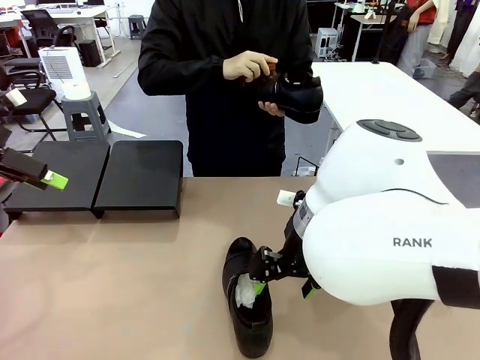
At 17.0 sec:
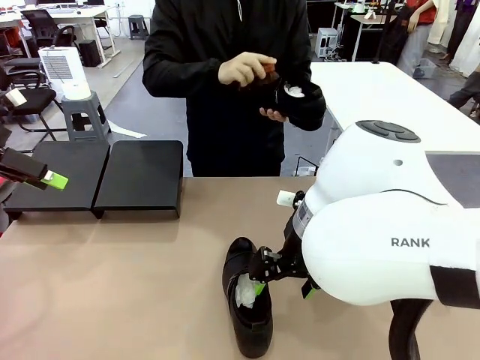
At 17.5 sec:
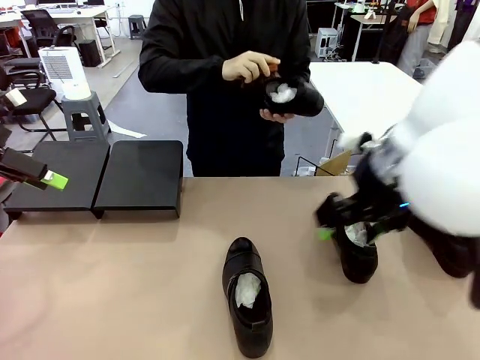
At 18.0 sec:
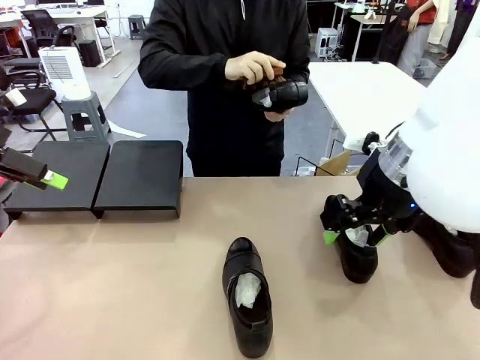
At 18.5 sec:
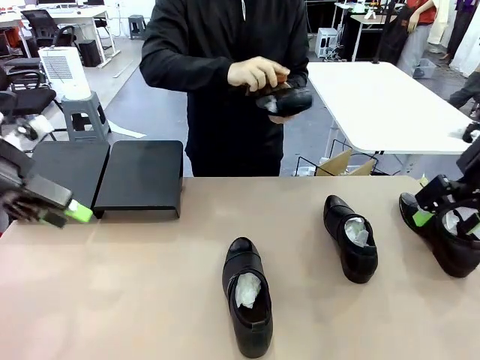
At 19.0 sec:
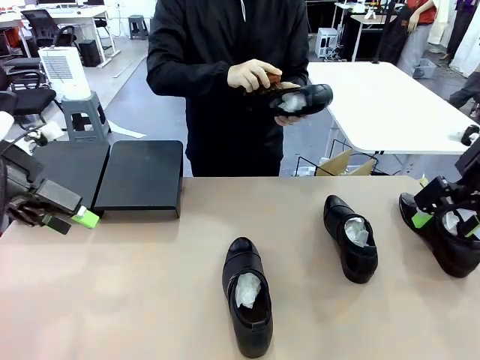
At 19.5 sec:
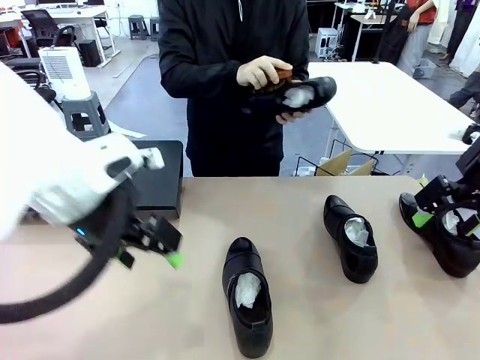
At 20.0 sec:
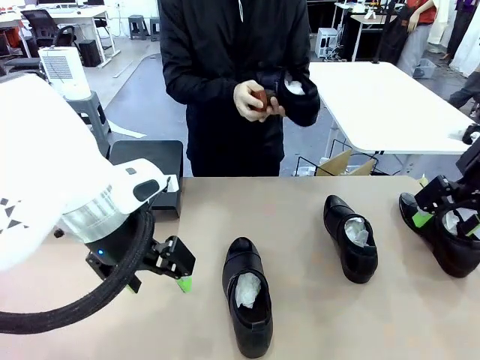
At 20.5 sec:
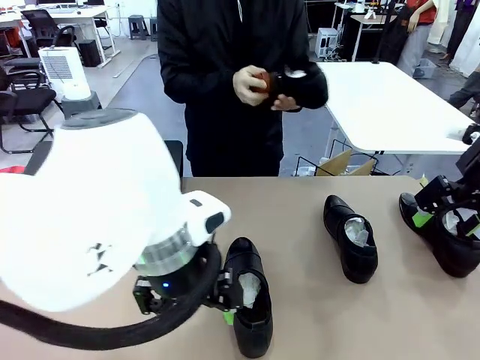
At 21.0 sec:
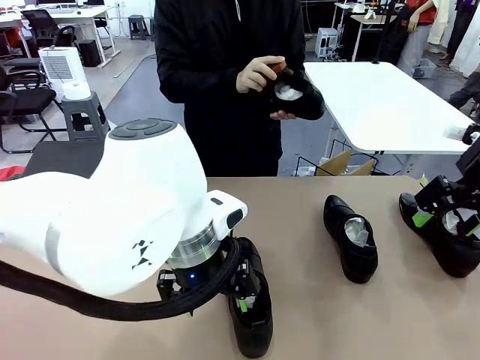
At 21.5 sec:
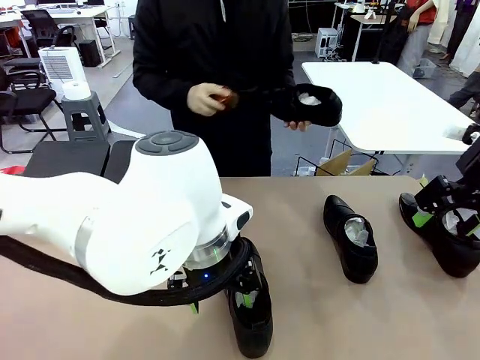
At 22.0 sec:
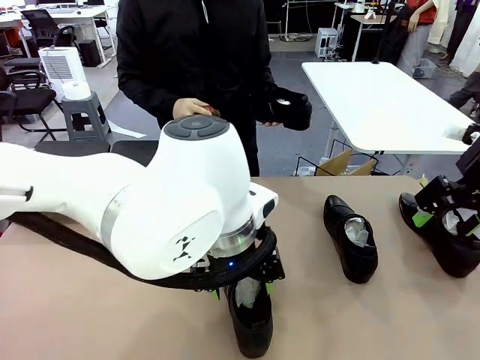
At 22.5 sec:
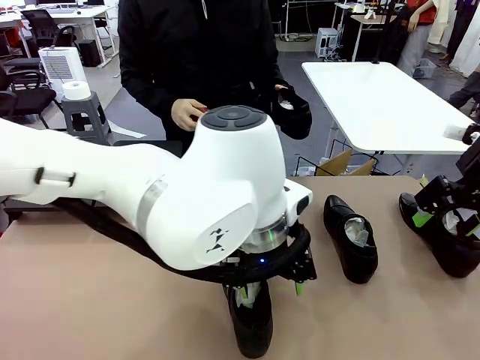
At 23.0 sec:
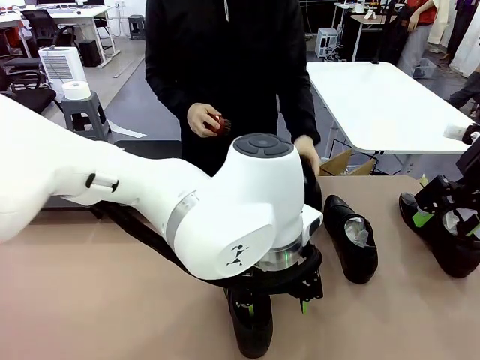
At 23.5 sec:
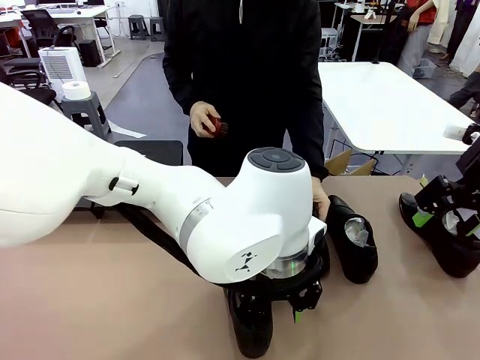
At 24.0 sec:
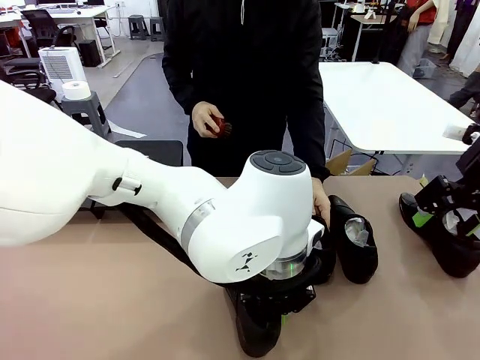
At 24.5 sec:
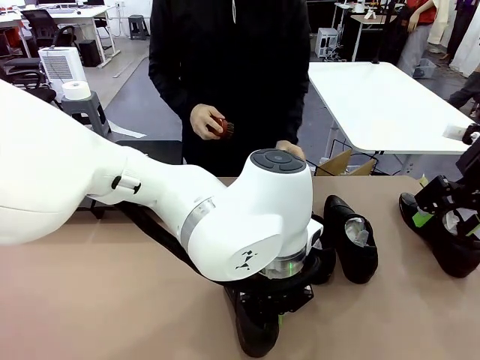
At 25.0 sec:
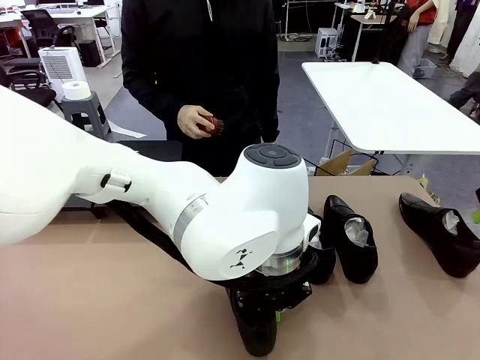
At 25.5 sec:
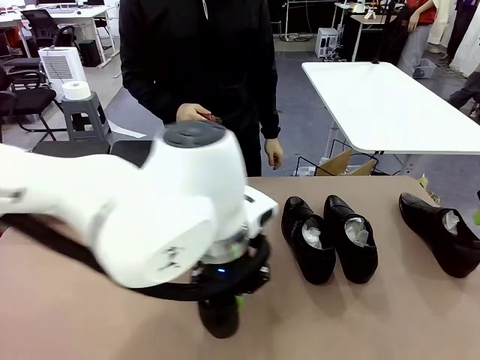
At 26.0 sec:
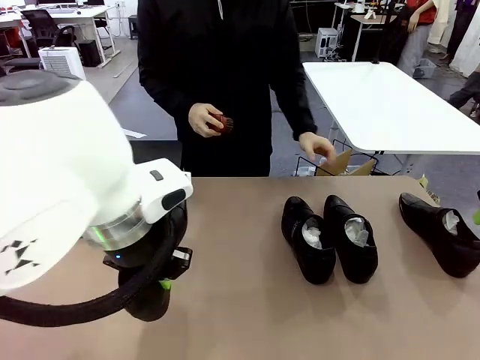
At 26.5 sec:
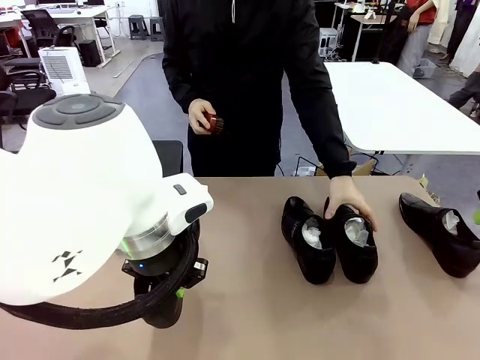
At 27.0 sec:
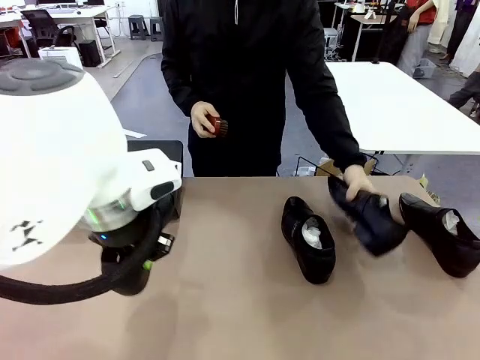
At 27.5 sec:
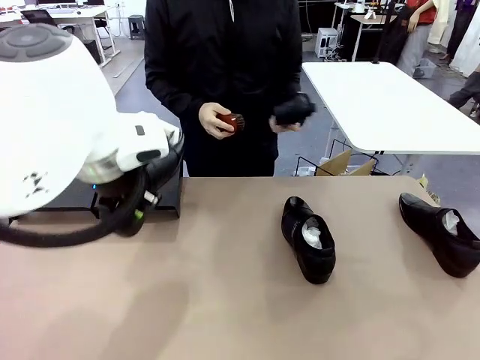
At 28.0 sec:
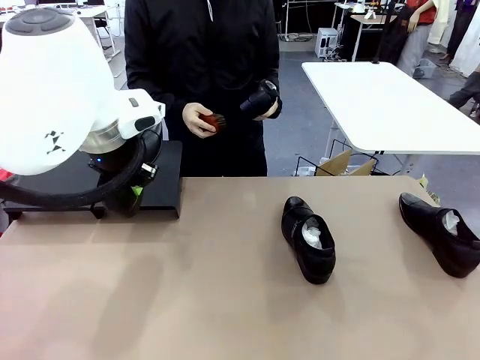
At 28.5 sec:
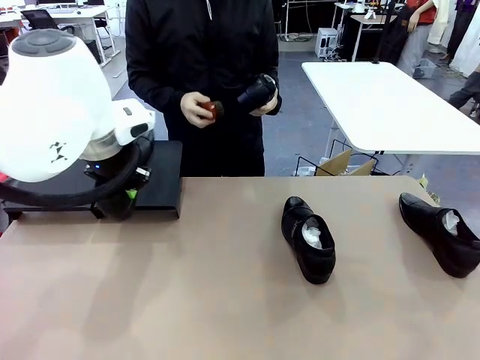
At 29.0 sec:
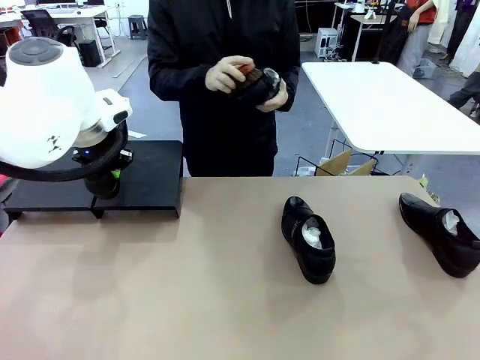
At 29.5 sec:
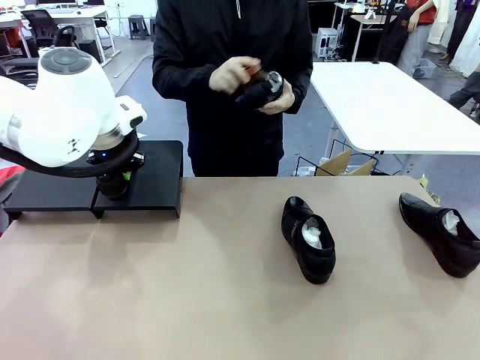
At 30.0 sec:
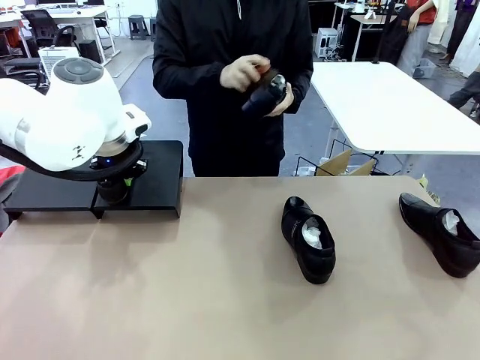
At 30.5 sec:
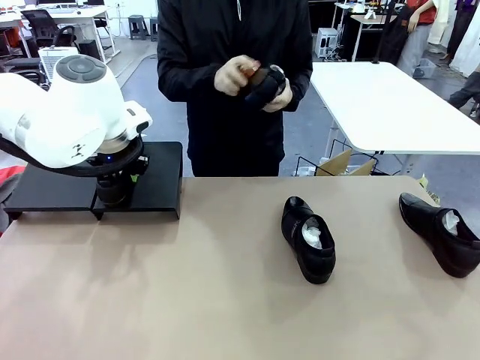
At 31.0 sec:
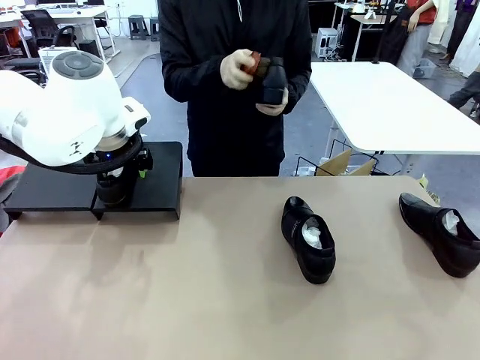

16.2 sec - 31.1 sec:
Task: Organize the shoes by placing them on the stand.
Robot: Place the Shoe from the middle of the table onto the Shoes Stand.
Person: Place the Shoe on left side of the Robot's table. Pick one Shoe on Robot's table.

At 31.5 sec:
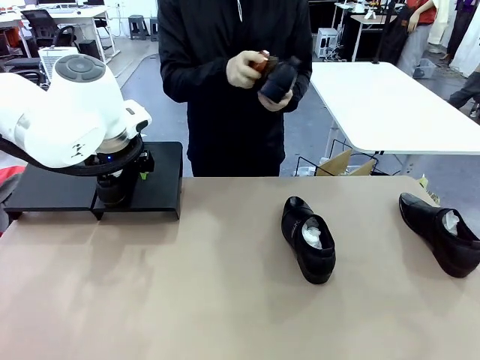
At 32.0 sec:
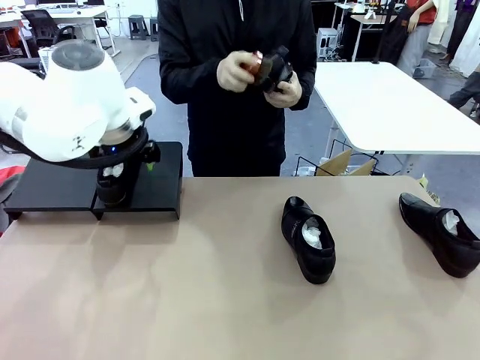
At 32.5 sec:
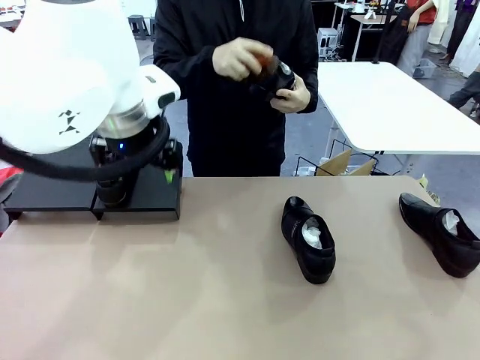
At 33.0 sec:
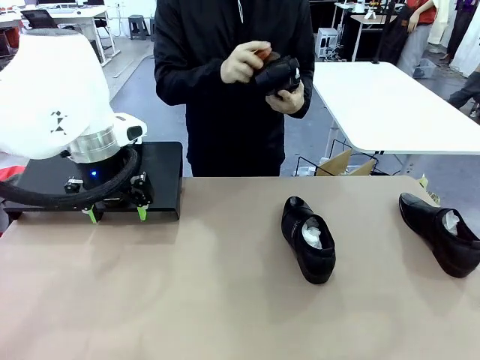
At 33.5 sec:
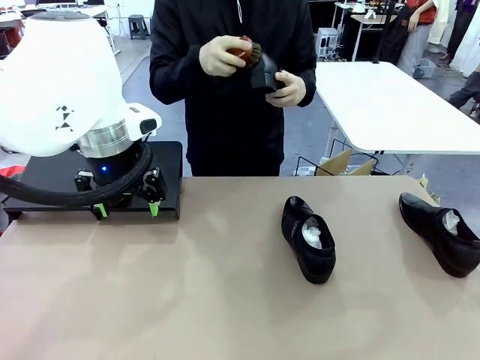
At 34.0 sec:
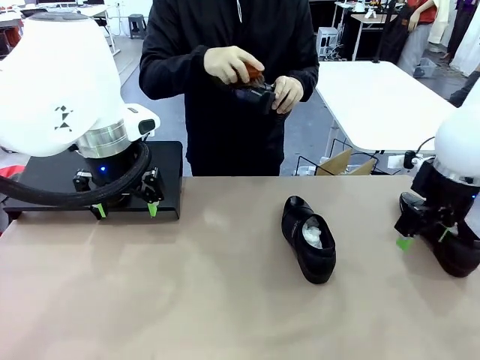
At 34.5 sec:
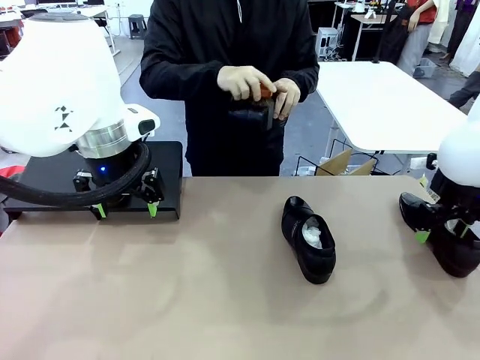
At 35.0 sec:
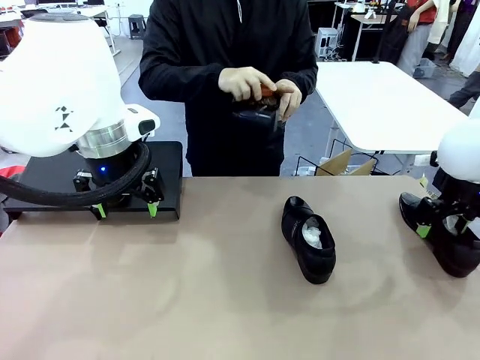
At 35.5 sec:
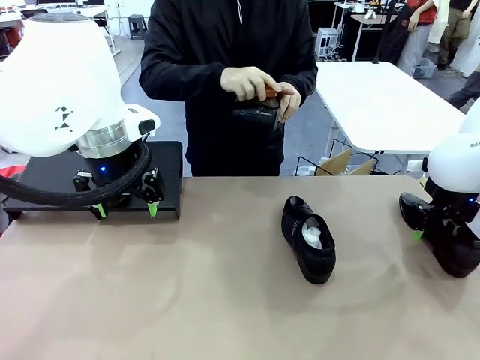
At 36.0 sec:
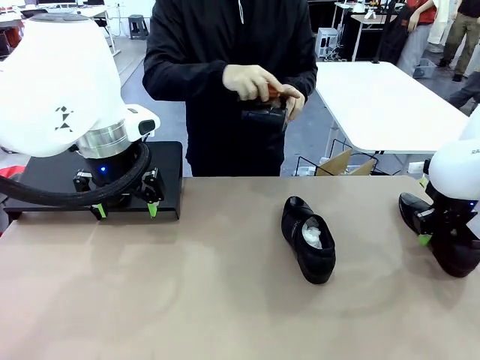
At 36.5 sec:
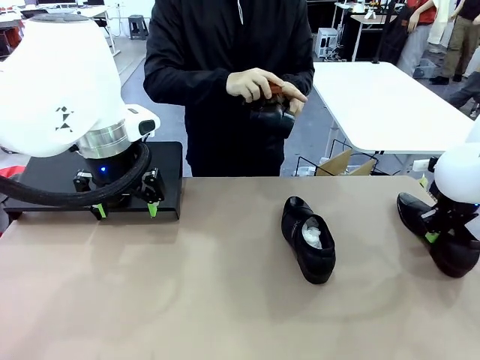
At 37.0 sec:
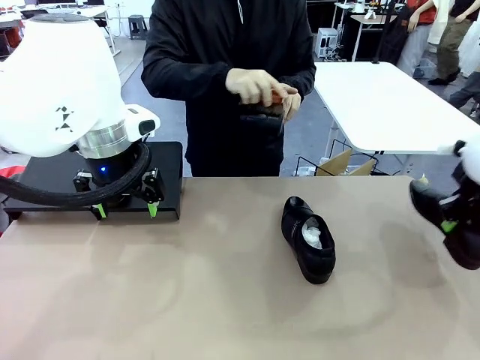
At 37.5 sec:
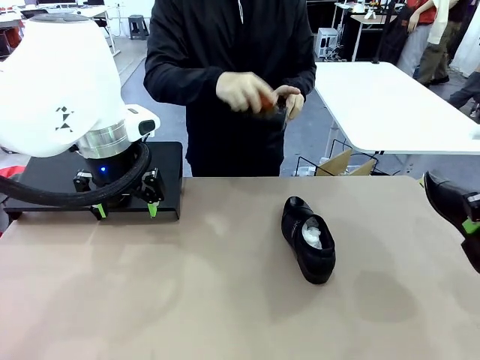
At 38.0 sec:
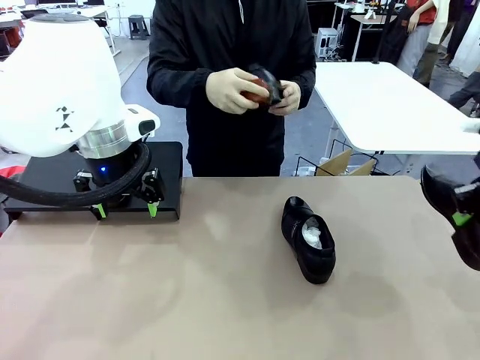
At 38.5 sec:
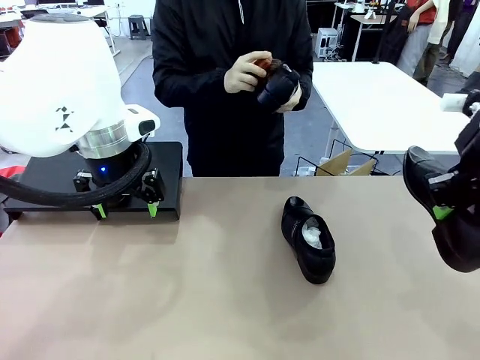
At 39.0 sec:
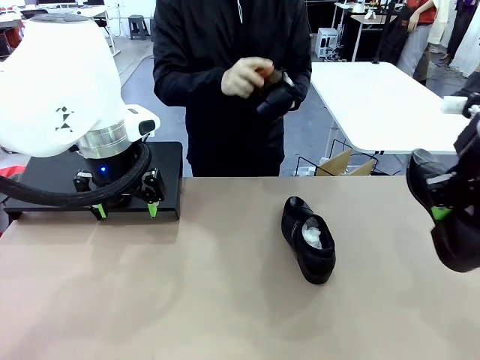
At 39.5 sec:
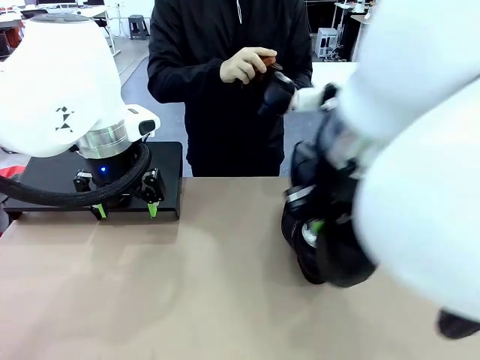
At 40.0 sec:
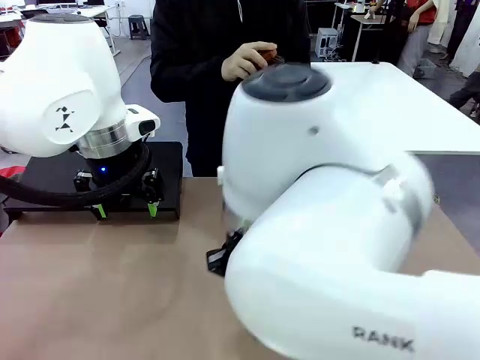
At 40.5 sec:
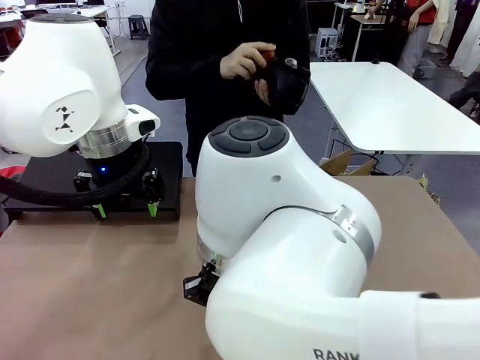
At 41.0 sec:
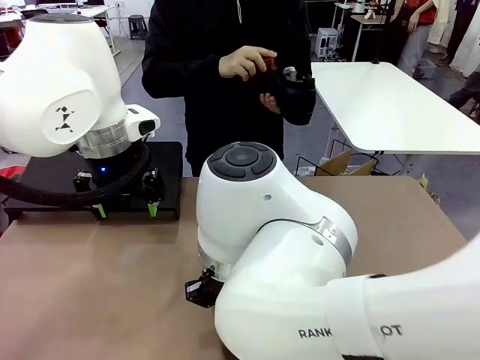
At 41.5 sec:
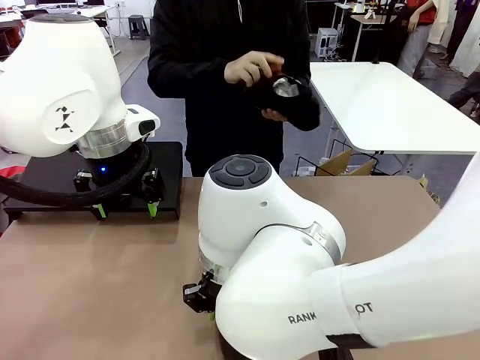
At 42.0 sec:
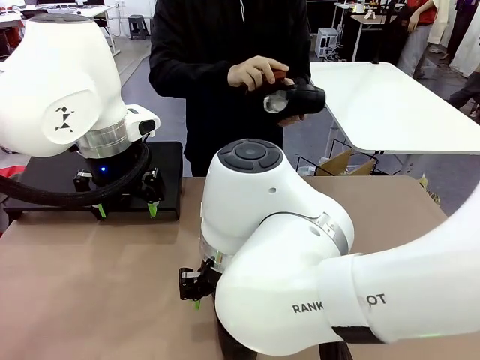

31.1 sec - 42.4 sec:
Robot: Pick up one Shoe and place it in the middle of the table.
Person: Clean the Shoe with the Shoe Brush.
